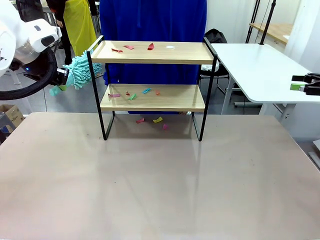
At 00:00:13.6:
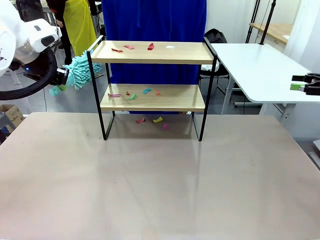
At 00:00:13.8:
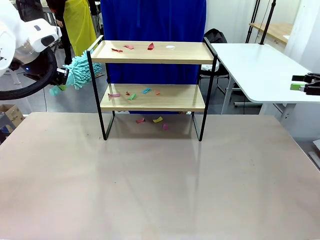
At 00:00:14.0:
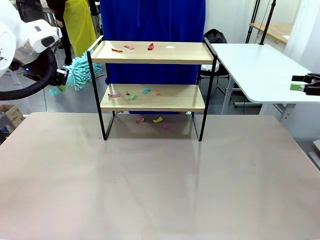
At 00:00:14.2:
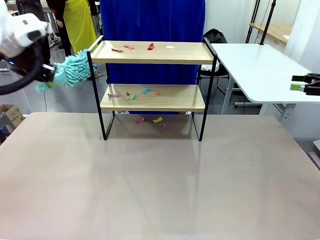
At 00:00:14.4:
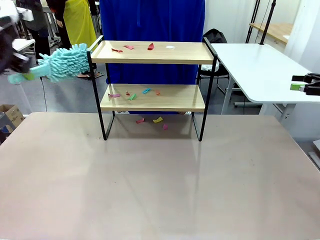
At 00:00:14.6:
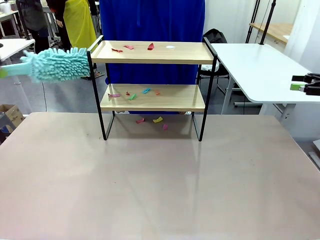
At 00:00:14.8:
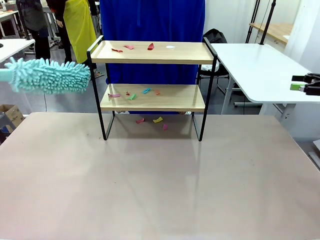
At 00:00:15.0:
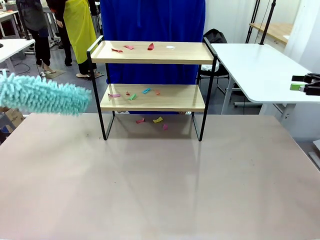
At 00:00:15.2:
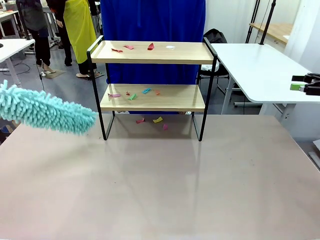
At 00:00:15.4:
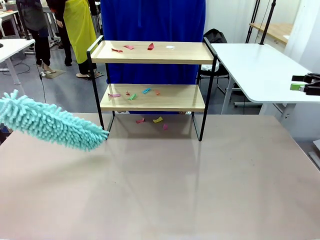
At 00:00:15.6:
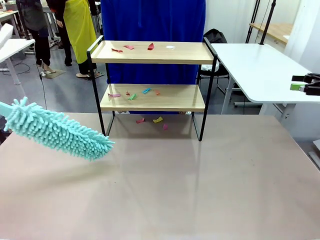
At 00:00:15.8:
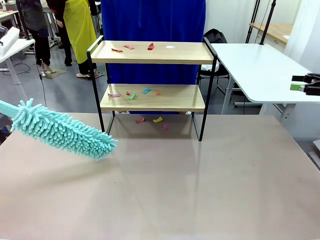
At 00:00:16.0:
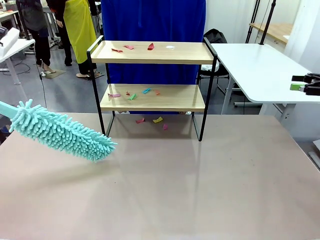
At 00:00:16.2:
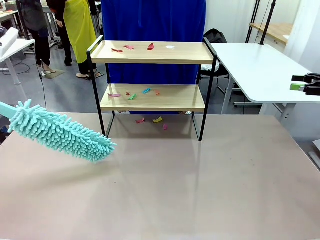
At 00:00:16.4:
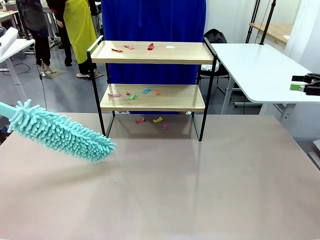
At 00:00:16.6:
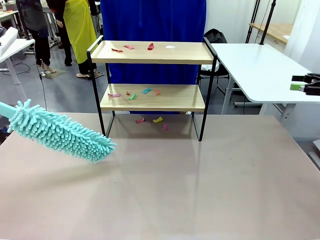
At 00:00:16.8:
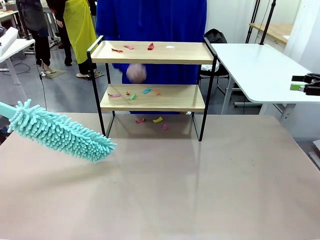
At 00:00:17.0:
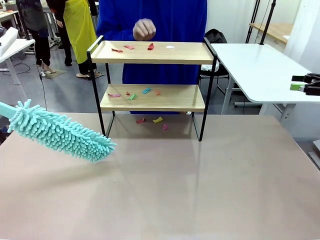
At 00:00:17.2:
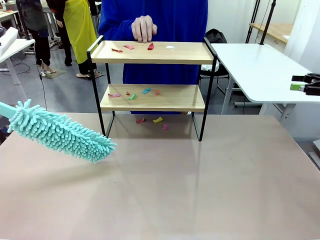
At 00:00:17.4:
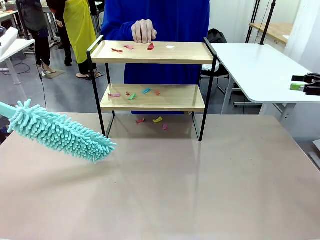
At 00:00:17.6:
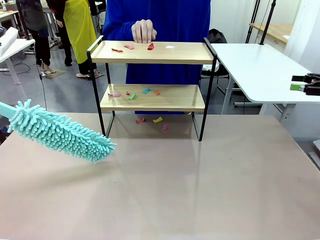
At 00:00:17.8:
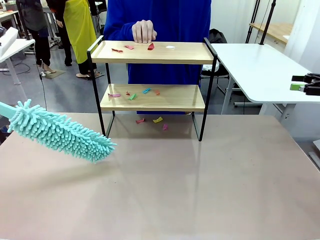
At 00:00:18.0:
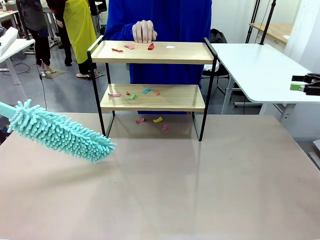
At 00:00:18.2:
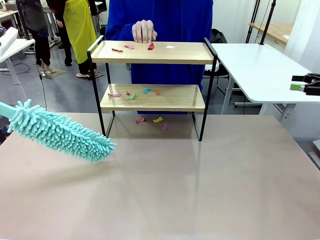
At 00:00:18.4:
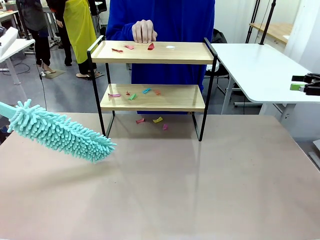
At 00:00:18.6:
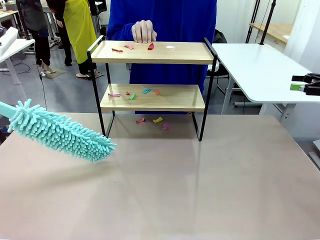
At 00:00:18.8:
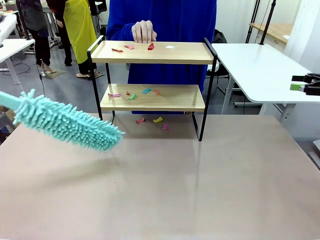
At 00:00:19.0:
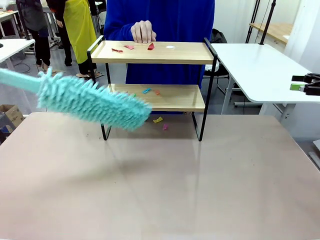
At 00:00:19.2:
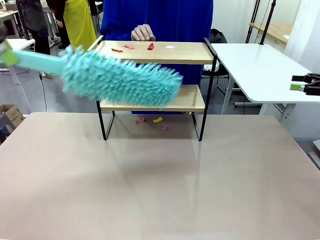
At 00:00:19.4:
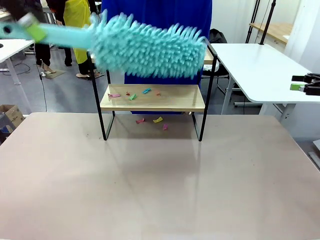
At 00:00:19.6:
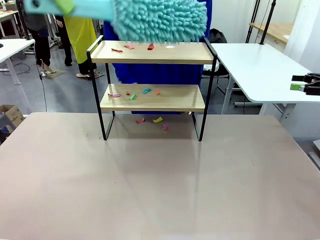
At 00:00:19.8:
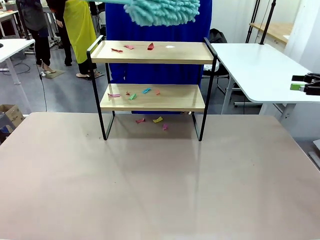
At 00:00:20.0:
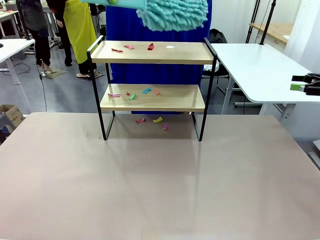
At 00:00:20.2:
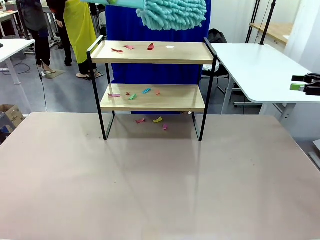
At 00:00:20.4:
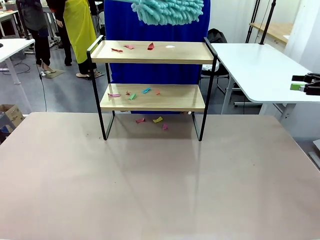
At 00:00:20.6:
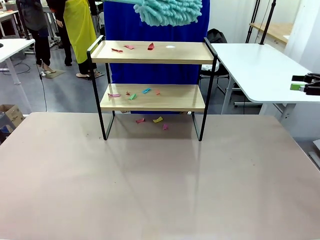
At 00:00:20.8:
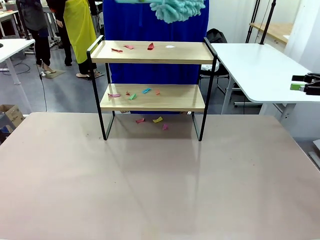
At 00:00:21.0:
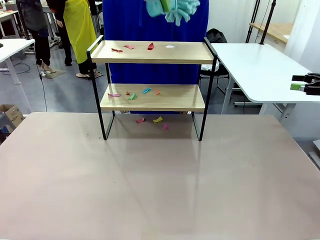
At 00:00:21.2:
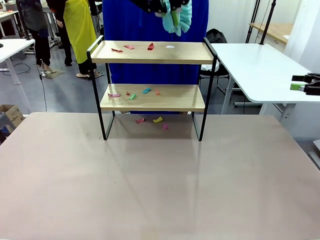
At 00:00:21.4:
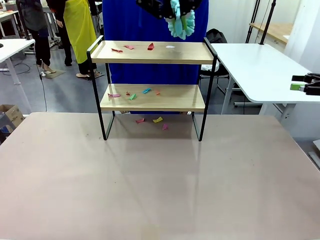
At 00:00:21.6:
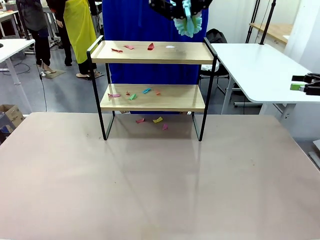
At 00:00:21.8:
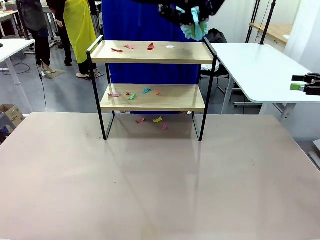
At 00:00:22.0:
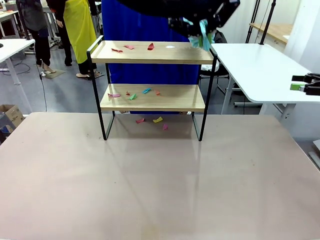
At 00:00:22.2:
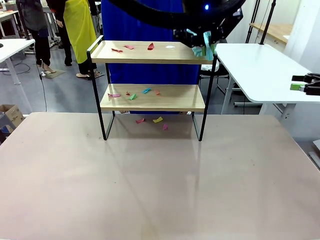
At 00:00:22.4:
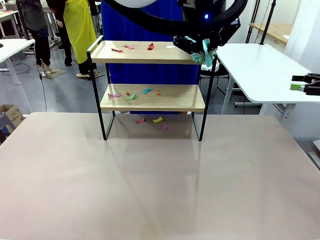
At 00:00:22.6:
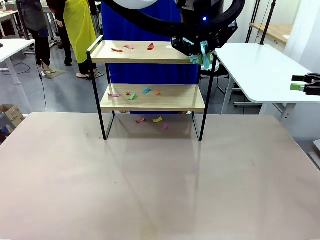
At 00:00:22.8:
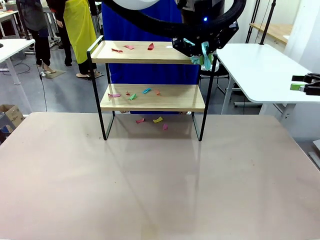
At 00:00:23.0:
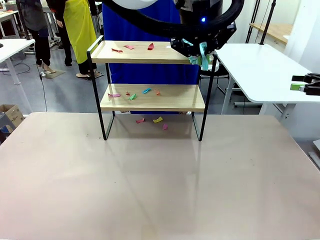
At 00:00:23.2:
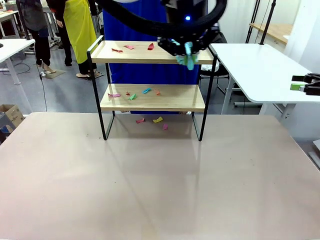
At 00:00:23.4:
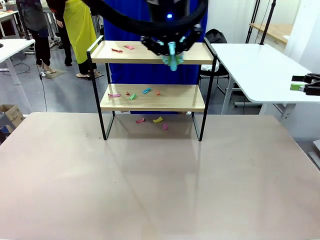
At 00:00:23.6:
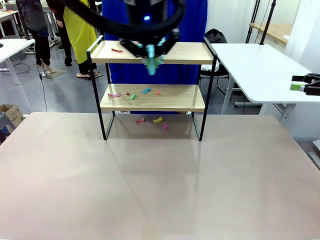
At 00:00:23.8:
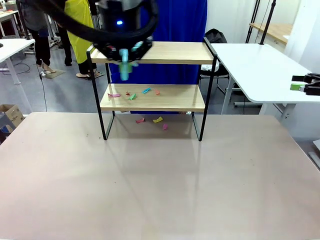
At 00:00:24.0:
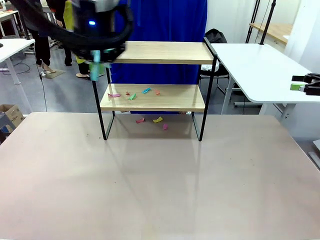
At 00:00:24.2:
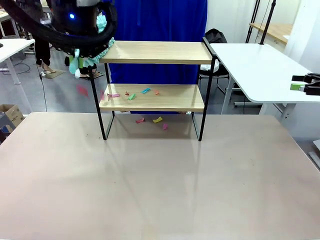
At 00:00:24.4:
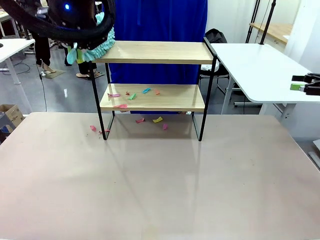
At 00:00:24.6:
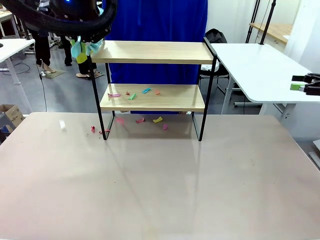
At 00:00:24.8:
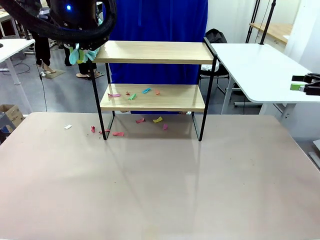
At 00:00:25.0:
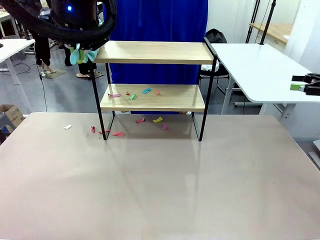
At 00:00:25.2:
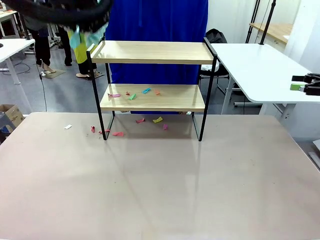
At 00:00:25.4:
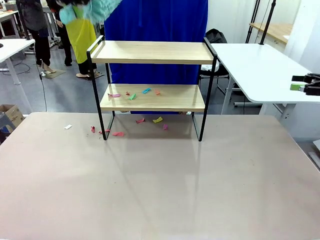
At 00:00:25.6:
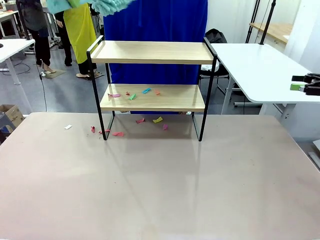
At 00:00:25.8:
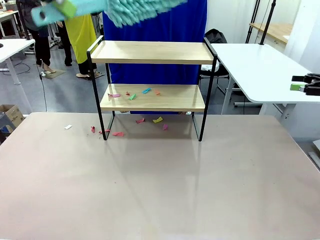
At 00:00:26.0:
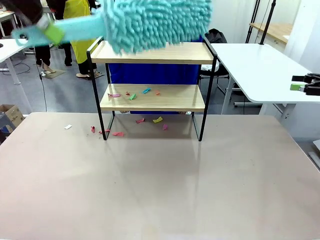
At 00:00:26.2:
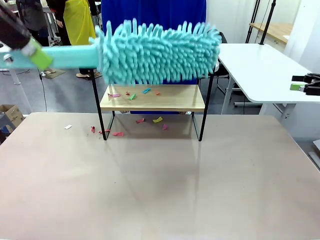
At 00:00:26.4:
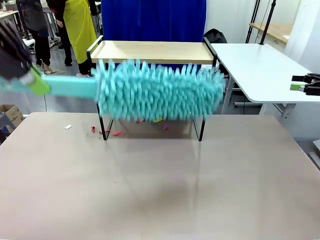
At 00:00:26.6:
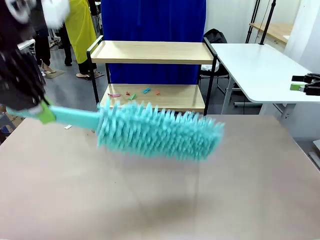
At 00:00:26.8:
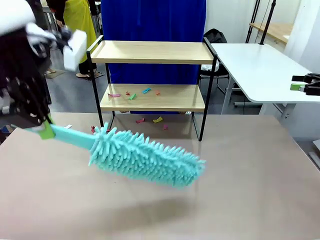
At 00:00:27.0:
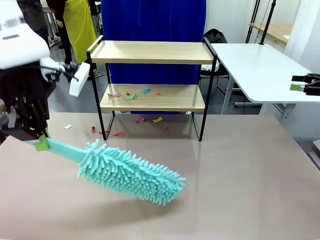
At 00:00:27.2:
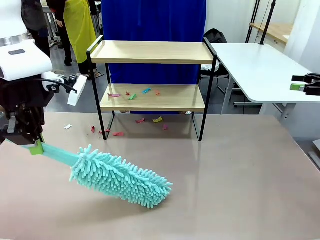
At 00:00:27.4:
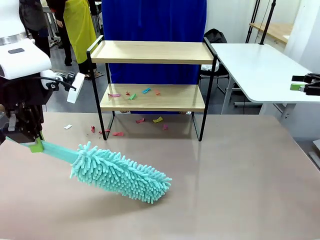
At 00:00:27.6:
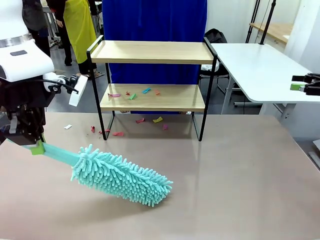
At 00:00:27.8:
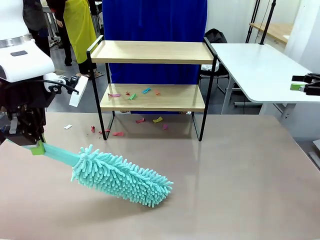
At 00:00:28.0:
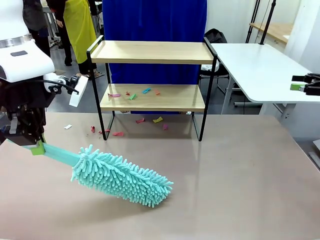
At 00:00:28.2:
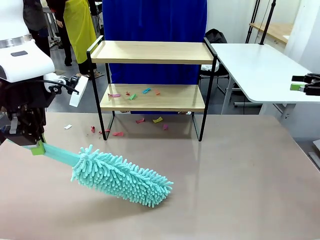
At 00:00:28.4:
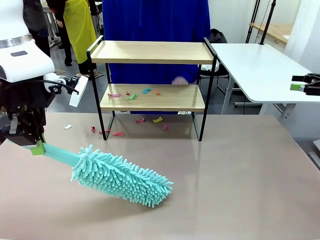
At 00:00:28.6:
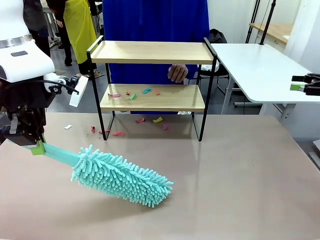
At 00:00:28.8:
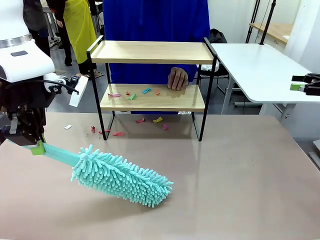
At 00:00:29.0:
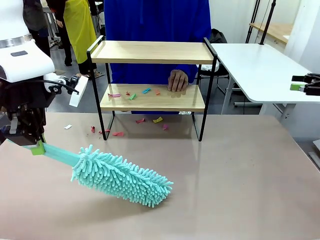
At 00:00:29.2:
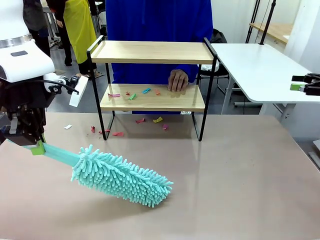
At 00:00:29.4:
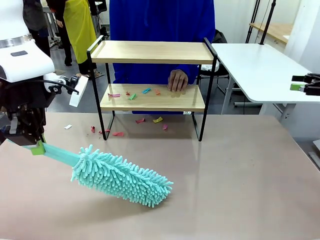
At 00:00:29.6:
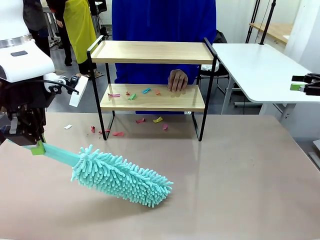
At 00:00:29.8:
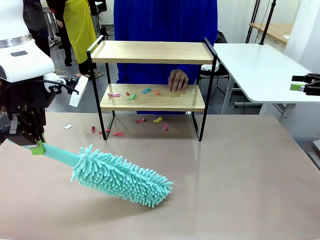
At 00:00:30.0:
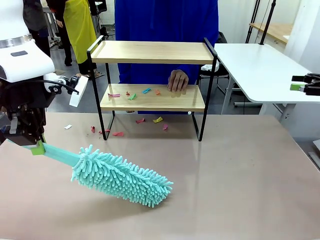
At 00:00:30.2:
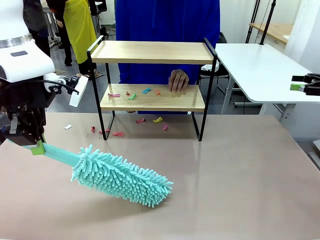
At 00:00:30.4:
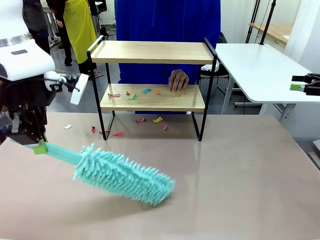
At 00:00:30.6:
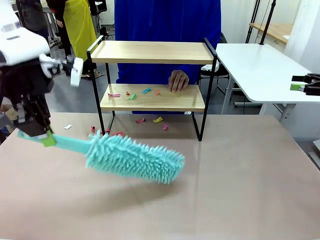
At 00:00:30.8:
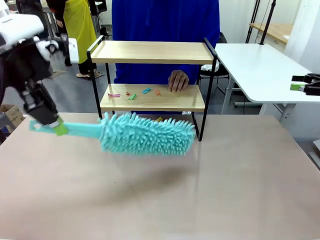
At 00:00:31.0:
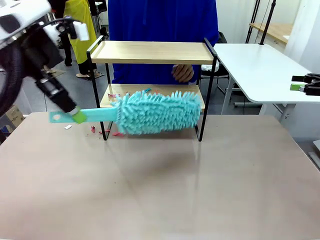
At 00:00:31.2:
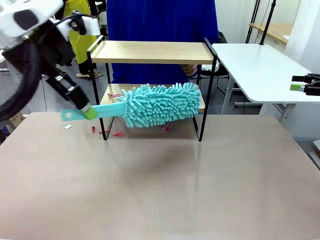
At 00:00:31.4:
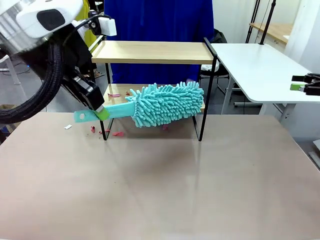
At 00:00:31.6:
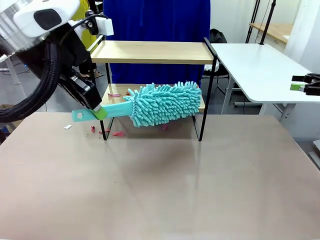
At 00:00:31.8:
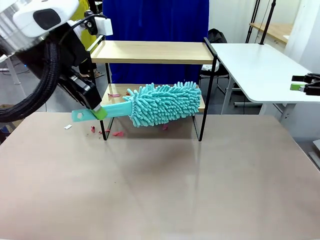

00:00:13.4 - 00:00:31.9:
Task: Clean the shelf.
Robot: Clean the specific section of the Shelf indicated by the human with the Duster.
Person: Point a random section of the Shelf.
